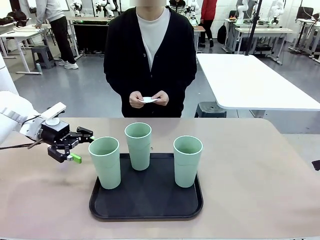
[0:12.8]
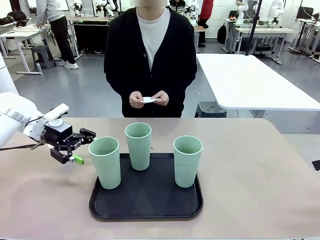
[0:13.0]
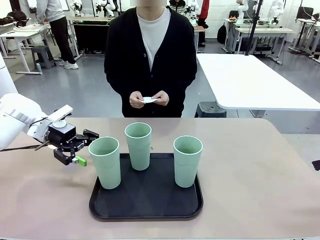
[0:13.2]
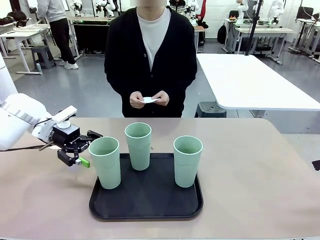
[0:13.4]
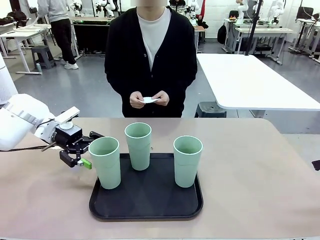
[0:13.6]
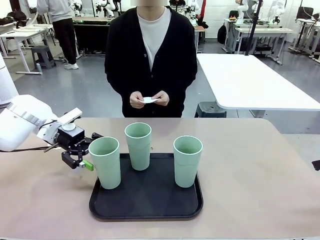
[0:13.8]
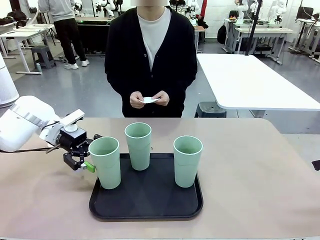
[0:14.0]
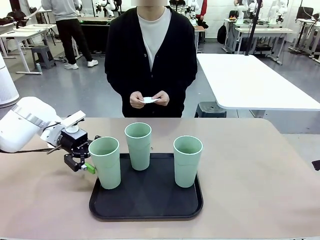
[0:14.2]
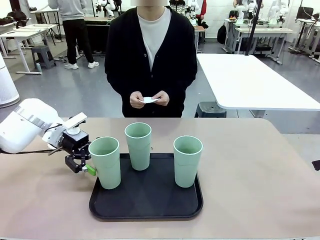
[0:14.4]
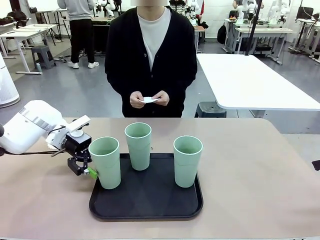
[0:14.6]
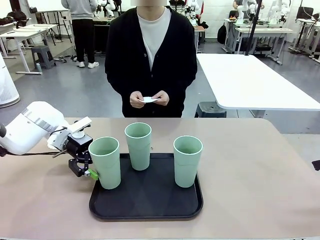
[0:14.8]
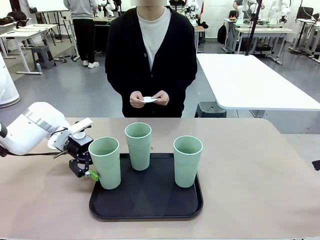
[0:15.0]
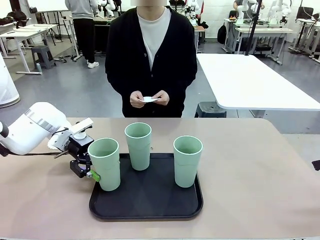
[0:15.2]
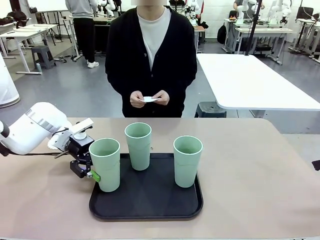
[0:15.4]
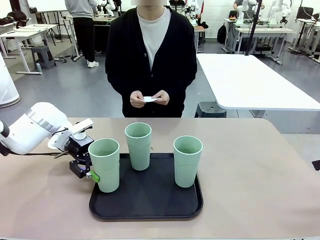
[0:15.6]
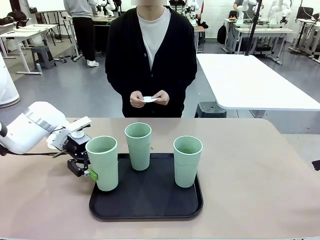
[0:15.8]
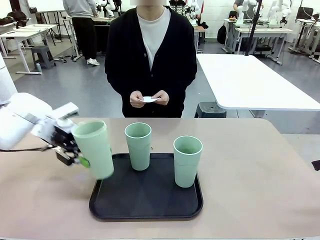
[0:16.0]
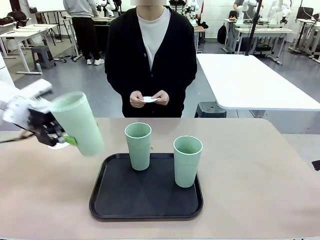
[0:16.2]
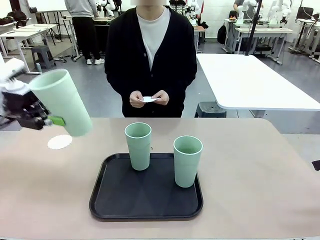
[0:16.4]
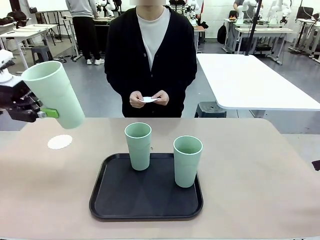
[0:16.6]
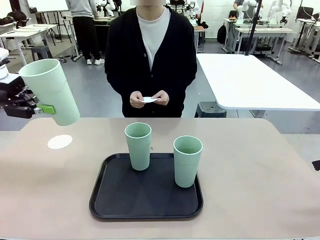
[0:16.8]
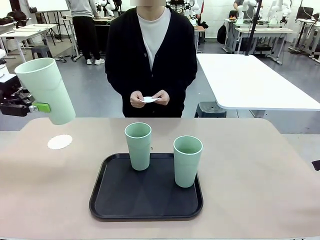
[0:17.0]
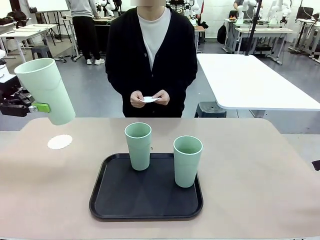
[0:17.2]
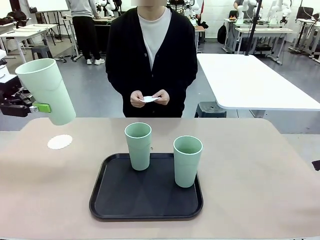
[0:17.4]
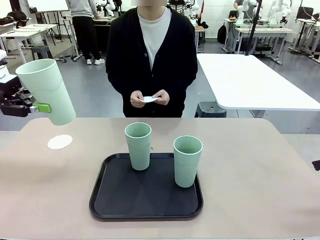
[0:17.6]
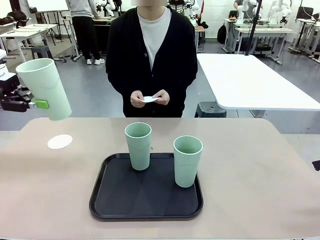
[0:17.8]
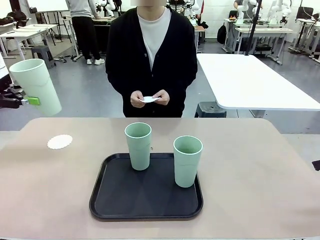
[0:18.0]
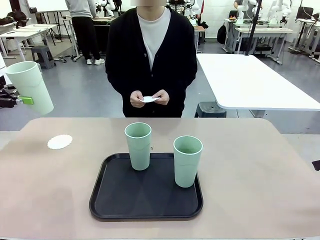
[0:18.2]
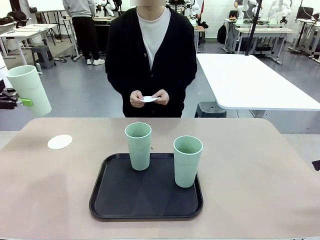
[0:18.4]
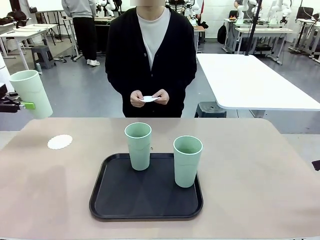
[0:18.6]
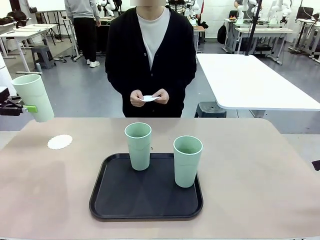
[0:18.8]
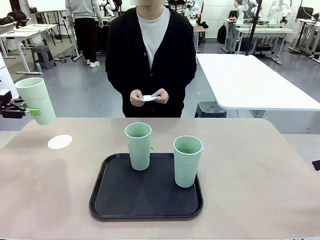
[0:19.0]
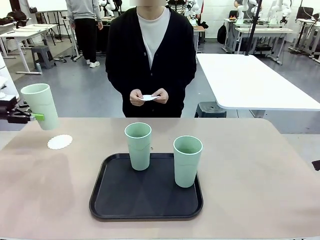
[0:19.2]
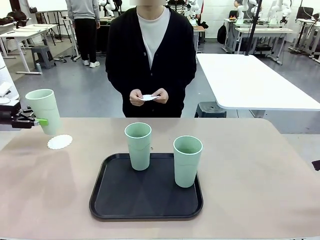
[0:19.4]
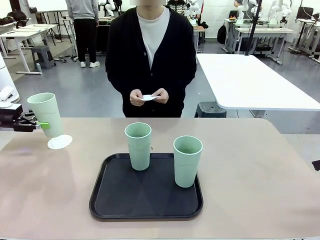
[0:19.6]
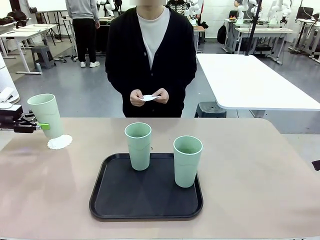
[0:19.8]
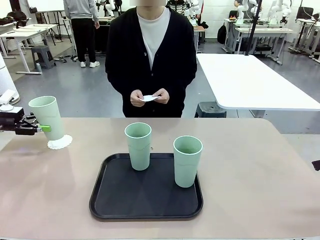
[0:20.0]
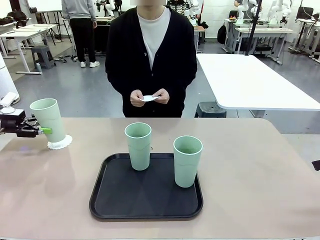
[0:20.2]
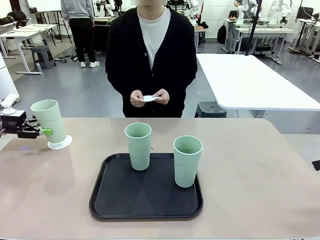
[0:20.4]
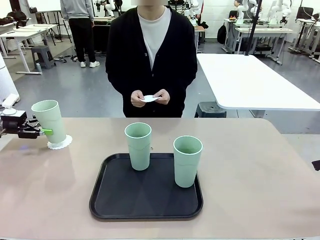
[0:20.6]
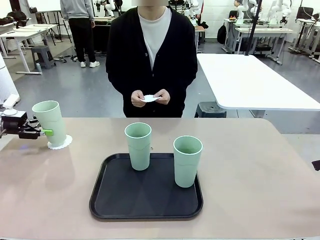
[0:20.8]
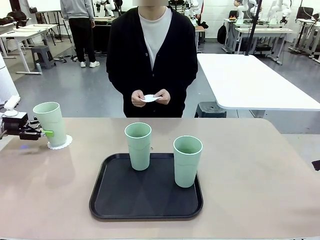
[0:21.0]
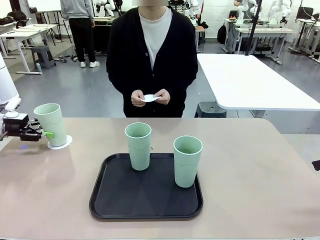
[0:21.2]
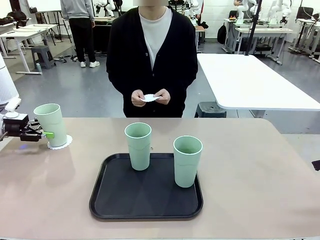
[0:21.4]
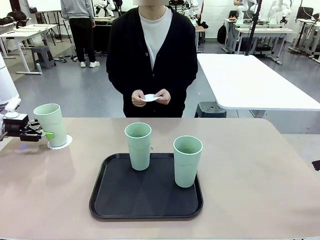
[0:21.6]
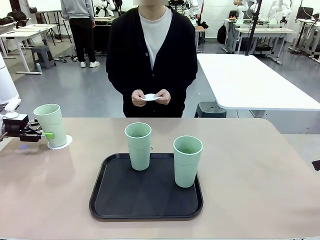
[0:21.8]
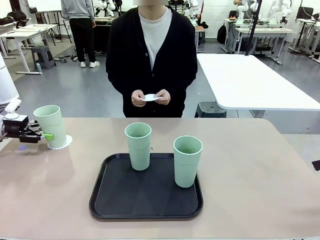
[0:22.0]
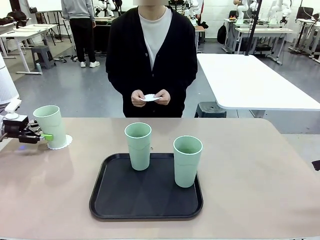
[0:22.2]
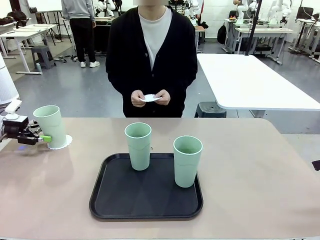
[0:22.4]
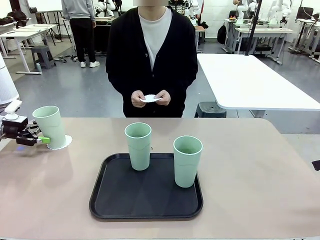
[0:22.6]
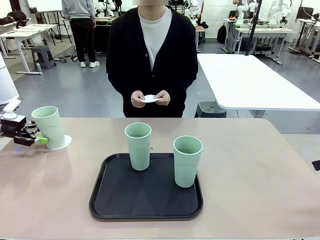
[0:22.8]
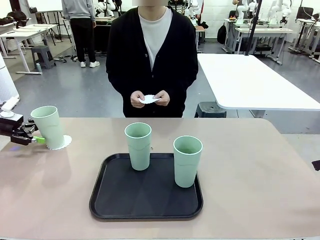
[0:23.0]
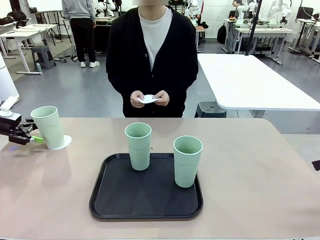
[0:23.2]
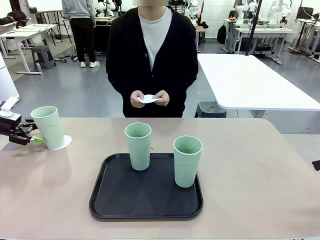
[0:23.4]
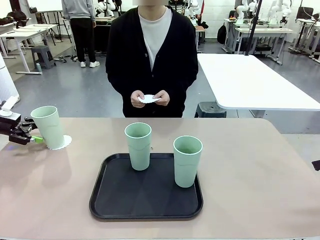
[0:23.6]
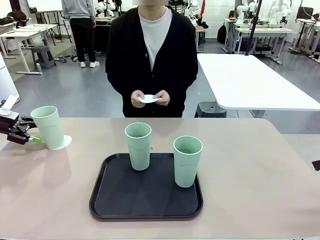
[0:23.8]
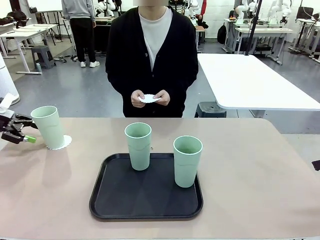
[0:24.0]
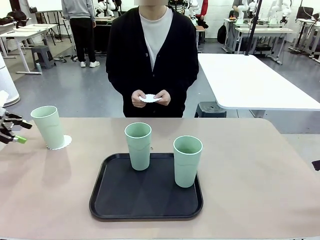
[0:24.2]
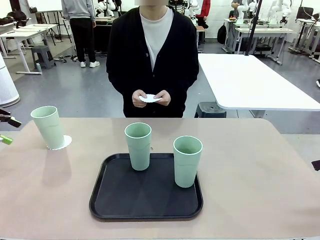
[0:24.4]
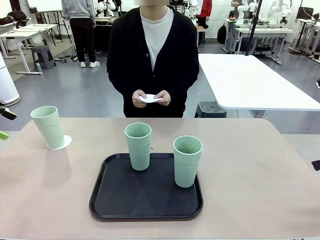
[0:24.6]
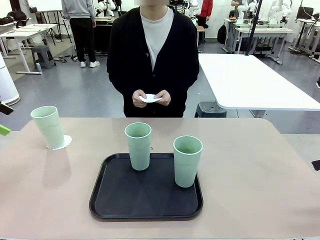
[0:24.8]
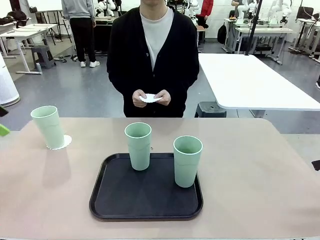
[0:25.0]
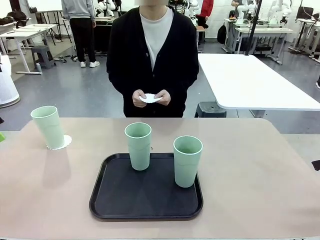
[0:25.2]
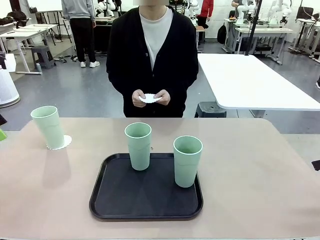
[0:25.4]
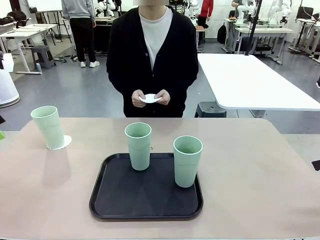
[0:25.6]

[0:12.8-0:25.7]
Task: Place coasters on the table and set cups on them.
Robot: Pick up one Reusable plastic cup and place it on a coaster set by the human.
Person: Place one coaster in one of the two areas excluding the previously selected area.

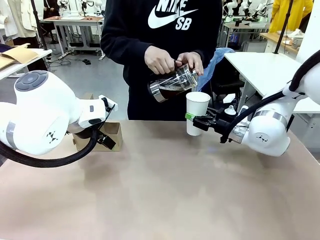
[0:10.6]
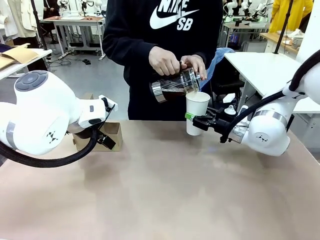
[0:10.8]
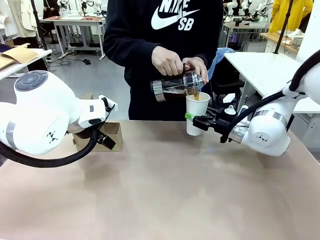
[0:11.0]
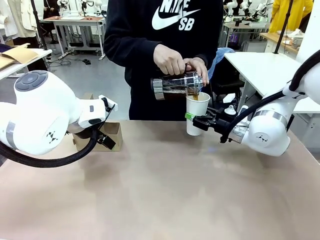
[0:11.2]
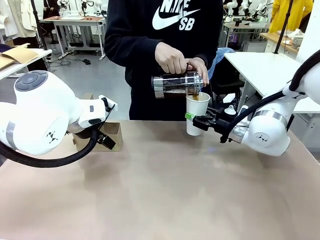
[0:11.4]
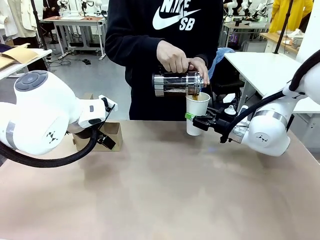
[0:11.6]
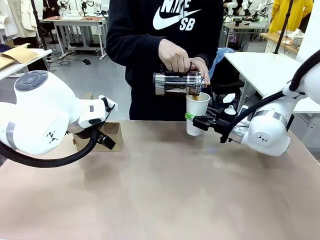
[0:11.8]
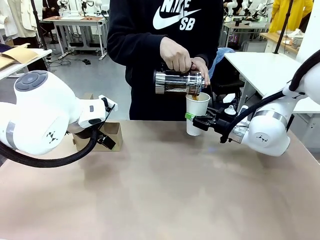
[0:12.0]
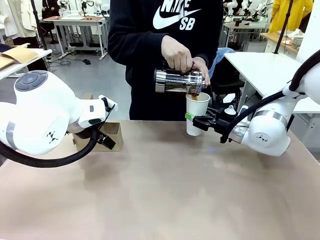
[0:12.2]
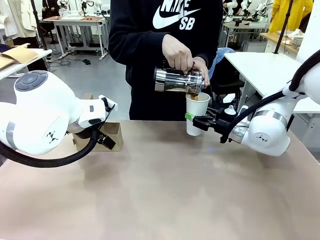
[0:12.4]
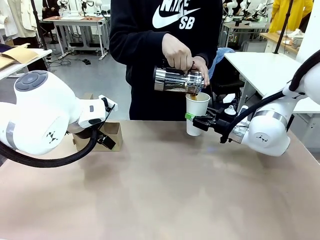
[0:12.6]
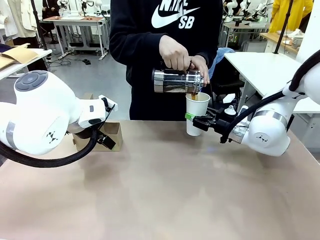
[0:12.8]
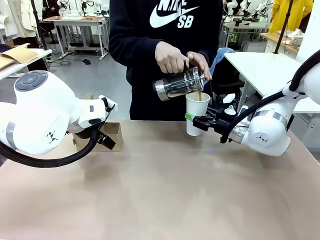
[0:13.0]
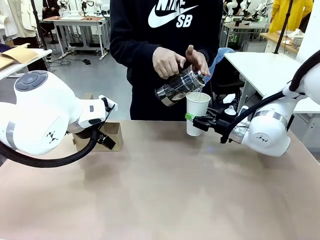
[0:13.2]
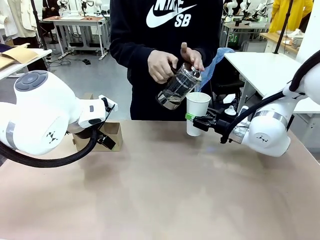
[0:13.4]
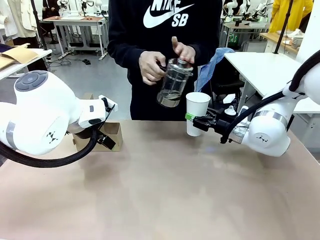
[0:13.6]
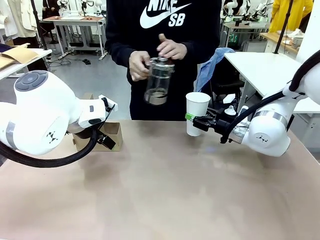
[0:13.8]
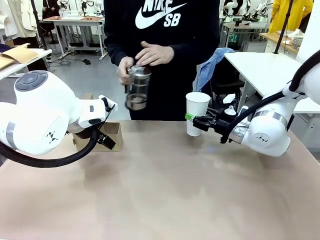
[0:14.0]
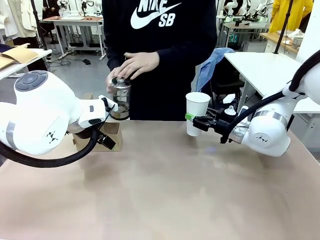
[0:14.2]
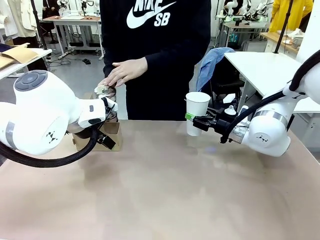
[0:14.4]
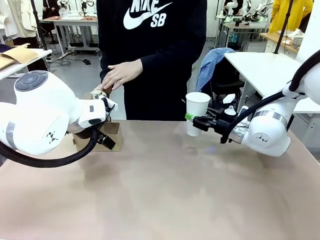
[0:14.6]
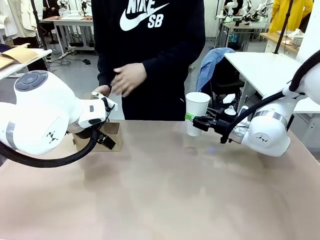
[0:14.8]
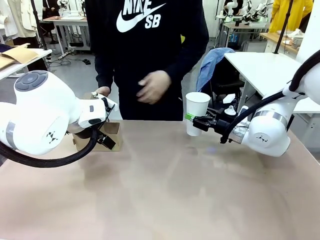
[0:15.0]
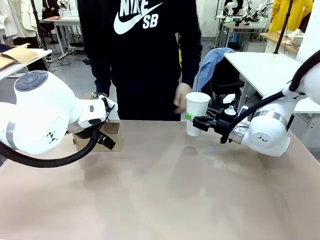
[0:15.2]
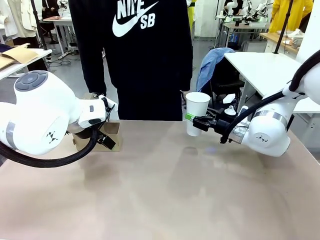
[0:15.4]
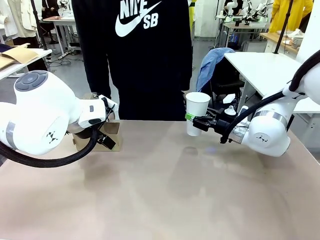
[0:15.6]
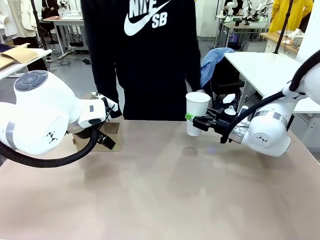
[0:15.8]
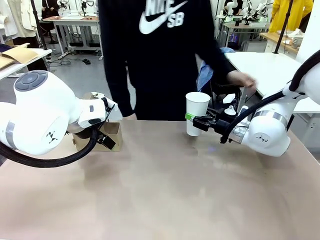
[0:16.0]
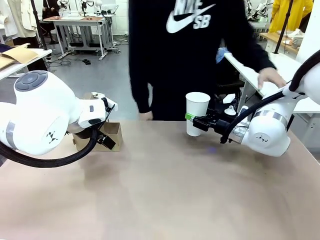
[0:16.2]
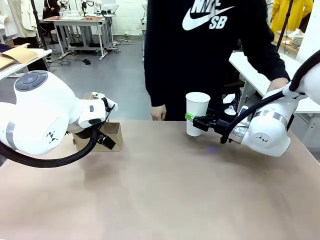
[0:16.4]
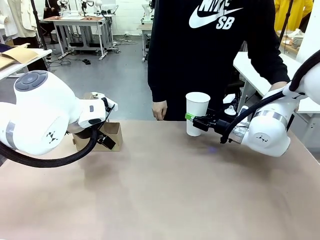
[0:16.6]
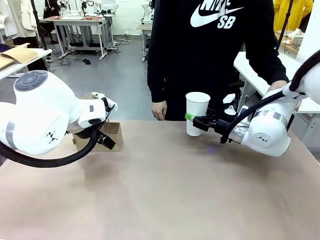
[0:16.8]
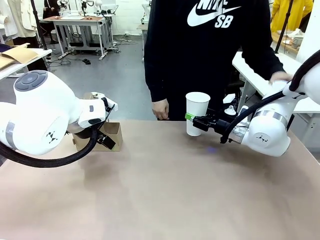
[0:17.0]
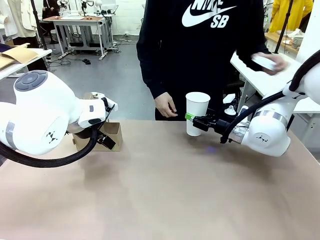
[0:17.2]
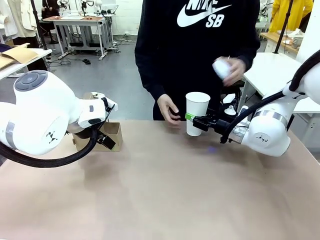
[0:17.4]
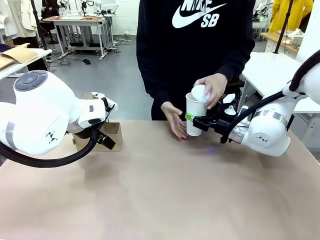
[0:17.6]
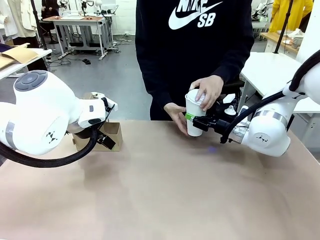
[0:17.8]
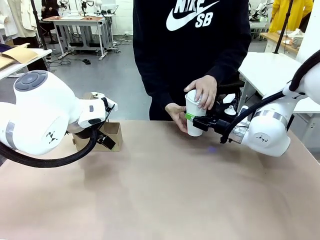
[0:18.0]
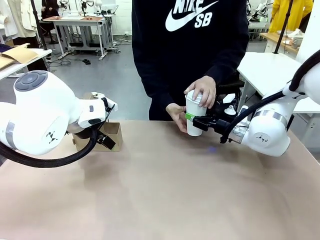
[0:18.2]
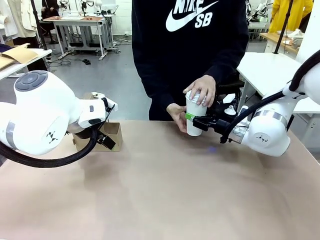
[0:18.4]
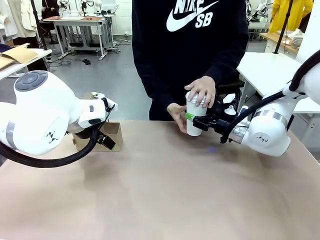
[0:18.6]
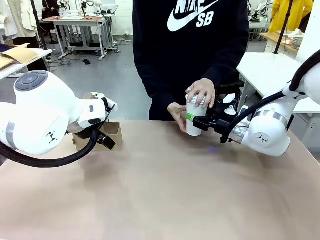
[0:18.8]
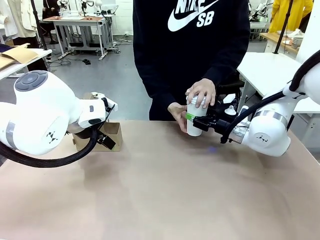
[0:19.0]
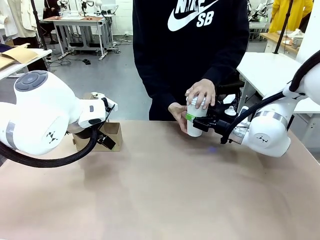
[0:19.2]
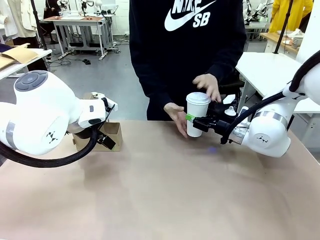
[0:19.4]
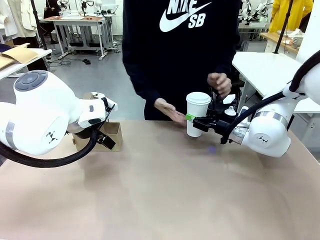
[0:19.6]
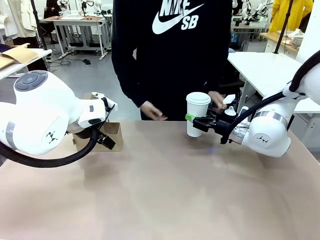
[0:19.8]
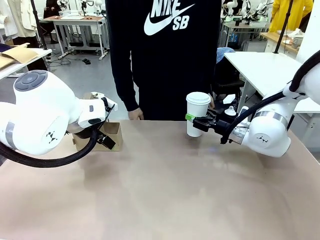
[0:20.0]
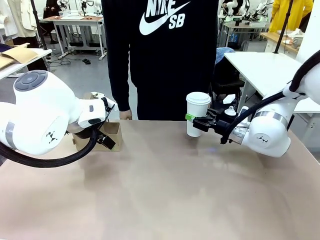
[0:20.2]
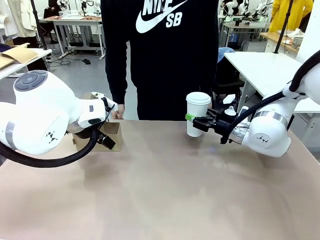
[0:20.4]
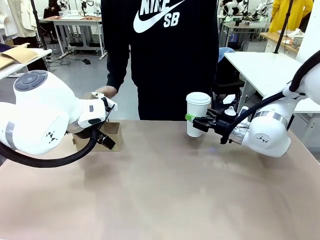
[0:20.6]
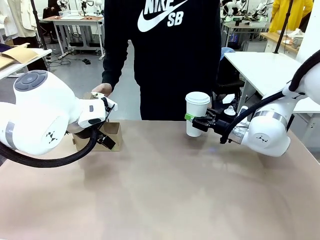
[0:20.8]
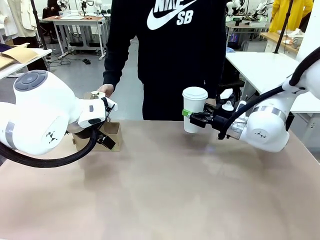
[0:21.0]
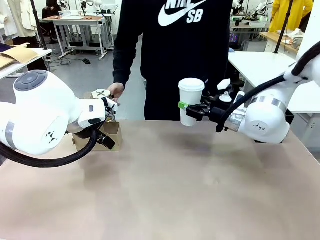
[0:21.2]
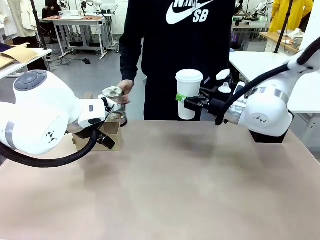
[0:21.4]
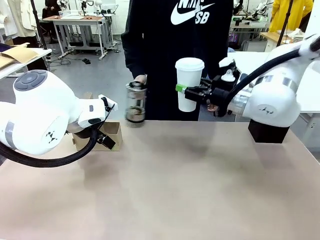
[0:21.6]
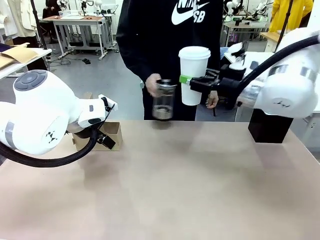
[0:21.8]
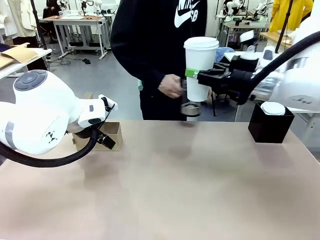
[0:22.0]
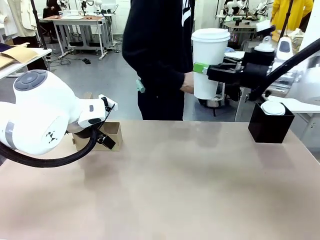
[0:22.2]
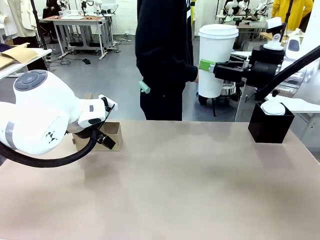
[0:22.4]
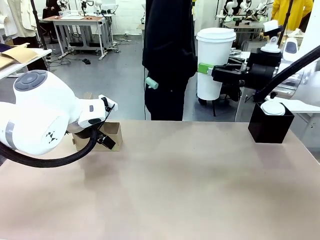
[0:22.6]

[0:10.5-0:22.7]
Task: Pour a drink into a cup and package it in a carrier.
Robot: When a person places the Paper Cup Lid on the 600 ml Paper Cup , lift the 600 ml Paper Cup.
Person: Pour the drink from the Filter Brewing into the 600 ml Paper Cup. Place a Paper Cup Lid on the 600 ml Paper Cup.
